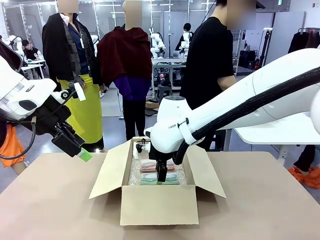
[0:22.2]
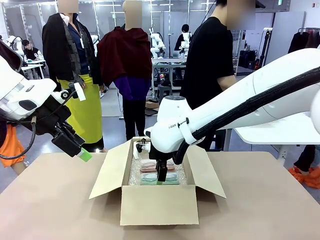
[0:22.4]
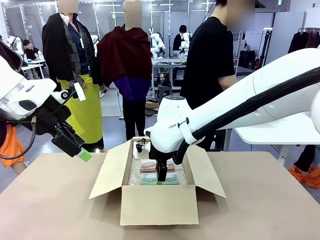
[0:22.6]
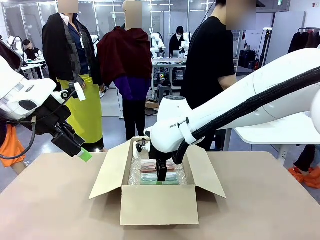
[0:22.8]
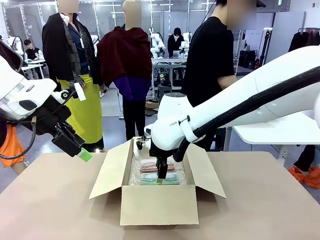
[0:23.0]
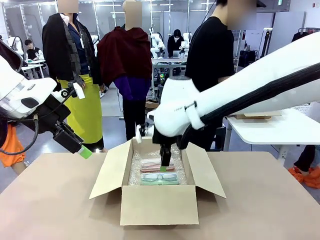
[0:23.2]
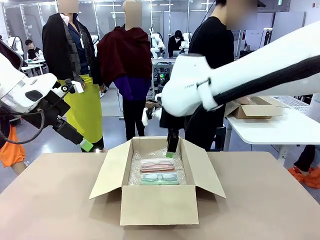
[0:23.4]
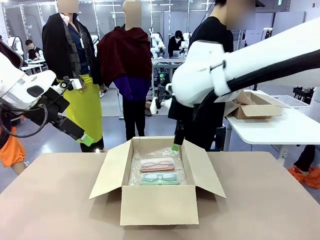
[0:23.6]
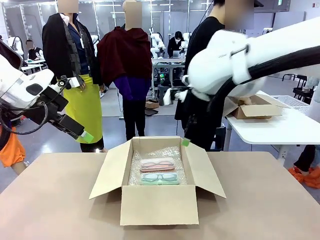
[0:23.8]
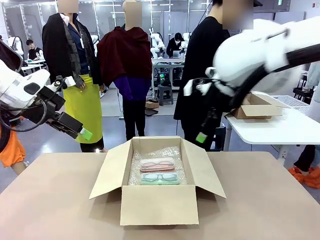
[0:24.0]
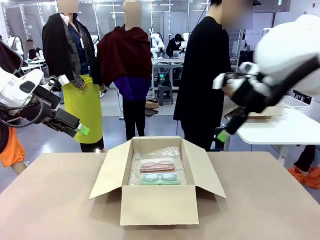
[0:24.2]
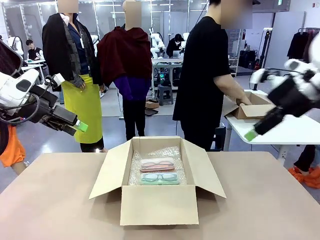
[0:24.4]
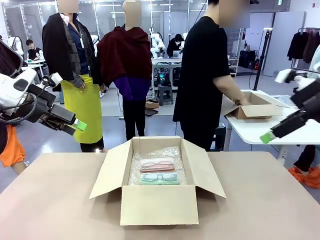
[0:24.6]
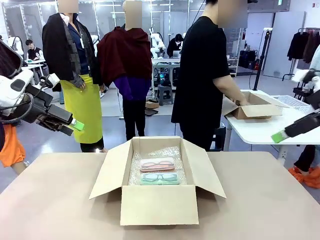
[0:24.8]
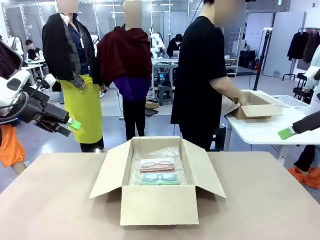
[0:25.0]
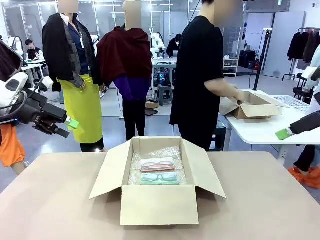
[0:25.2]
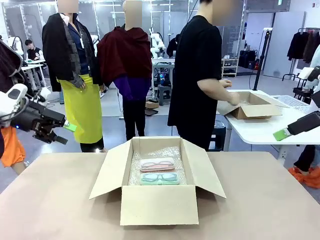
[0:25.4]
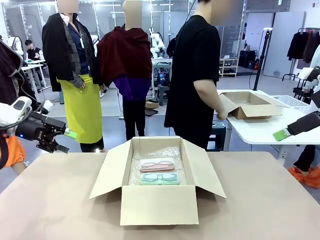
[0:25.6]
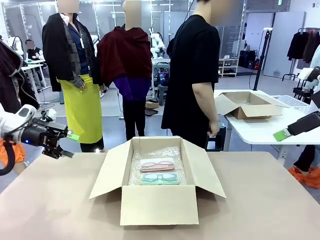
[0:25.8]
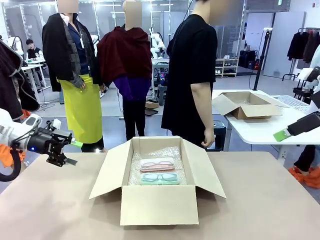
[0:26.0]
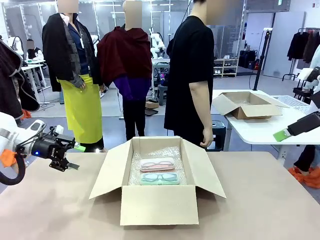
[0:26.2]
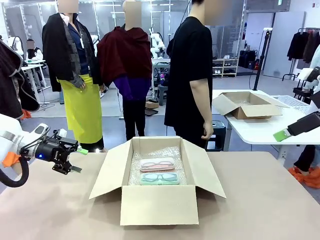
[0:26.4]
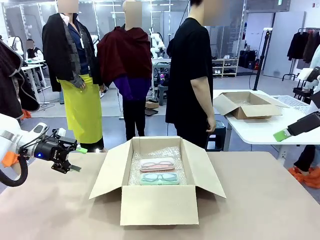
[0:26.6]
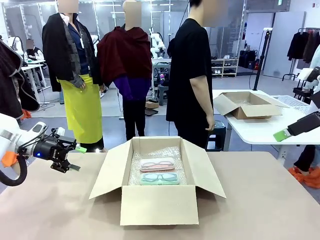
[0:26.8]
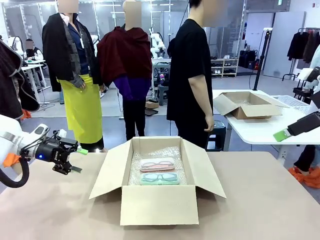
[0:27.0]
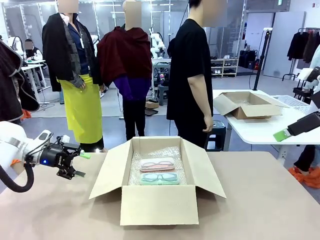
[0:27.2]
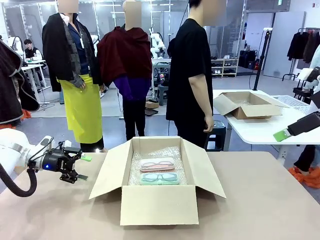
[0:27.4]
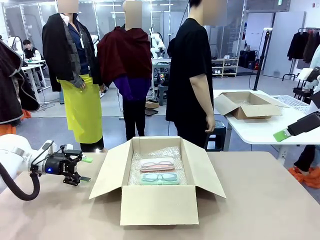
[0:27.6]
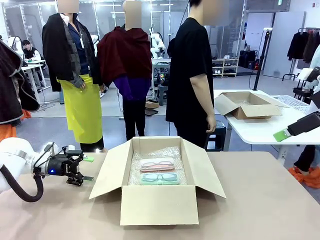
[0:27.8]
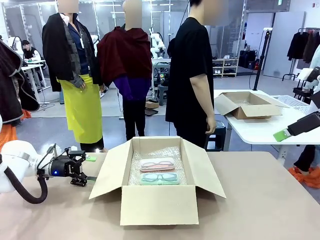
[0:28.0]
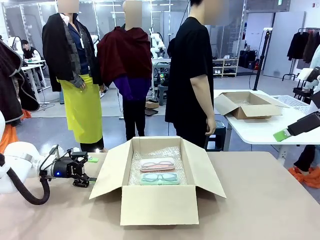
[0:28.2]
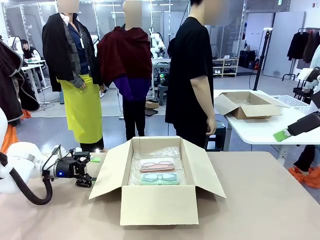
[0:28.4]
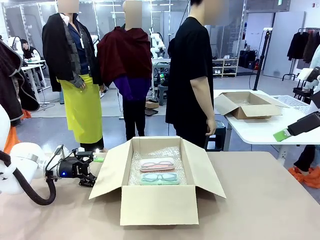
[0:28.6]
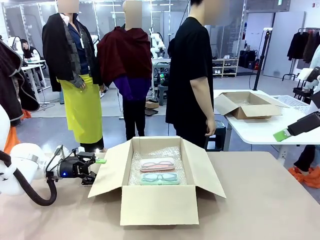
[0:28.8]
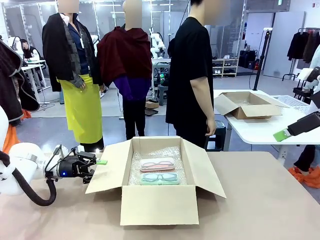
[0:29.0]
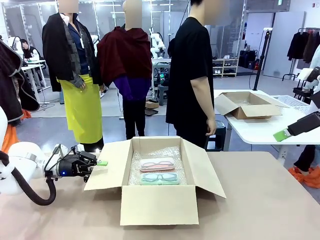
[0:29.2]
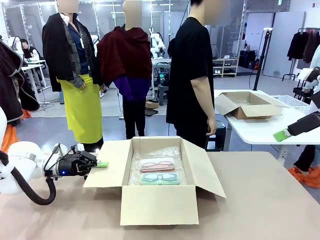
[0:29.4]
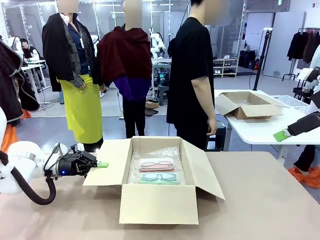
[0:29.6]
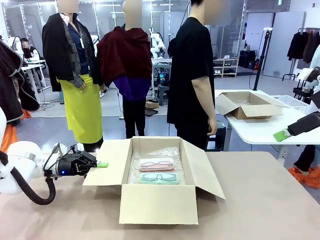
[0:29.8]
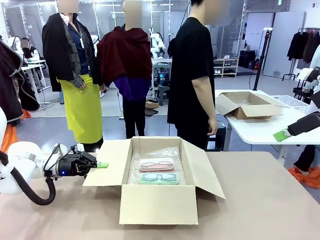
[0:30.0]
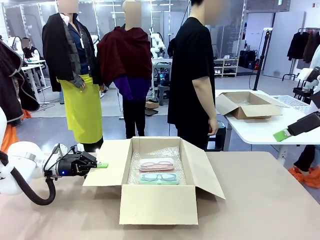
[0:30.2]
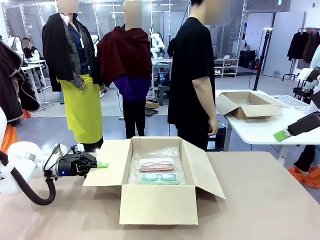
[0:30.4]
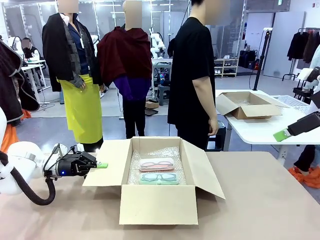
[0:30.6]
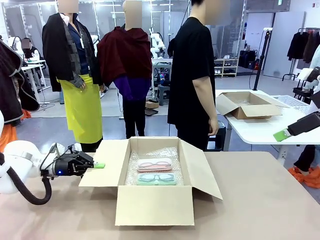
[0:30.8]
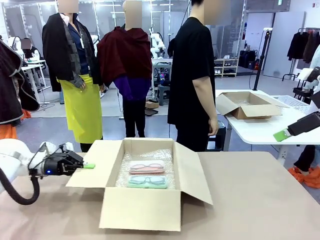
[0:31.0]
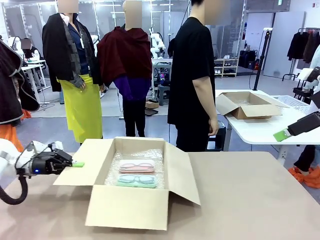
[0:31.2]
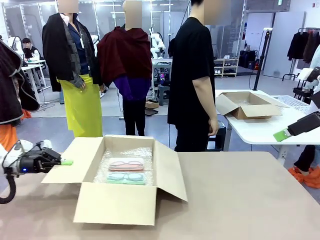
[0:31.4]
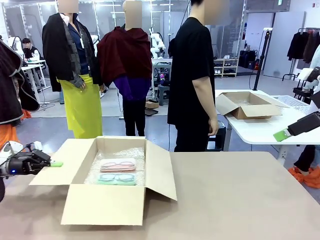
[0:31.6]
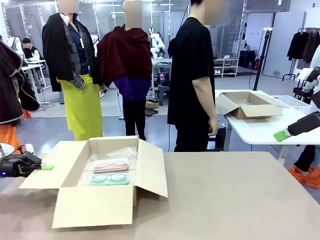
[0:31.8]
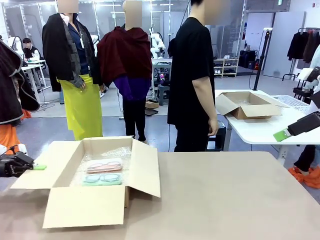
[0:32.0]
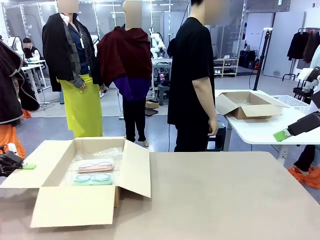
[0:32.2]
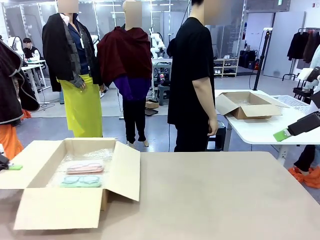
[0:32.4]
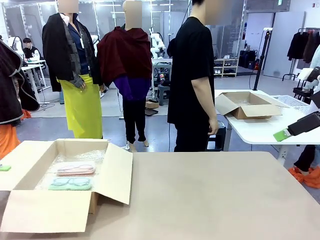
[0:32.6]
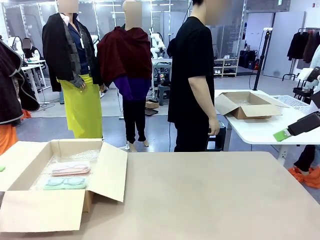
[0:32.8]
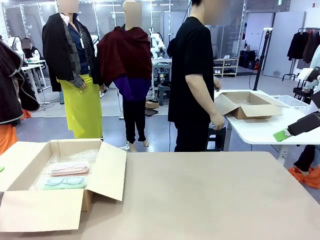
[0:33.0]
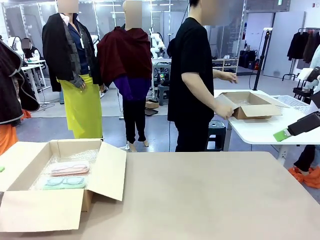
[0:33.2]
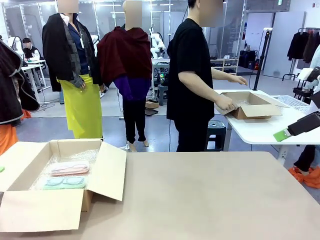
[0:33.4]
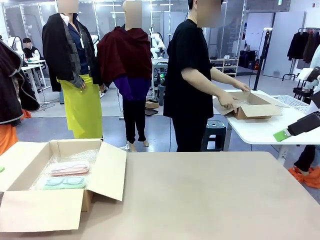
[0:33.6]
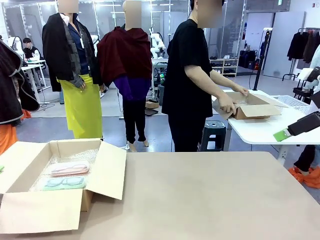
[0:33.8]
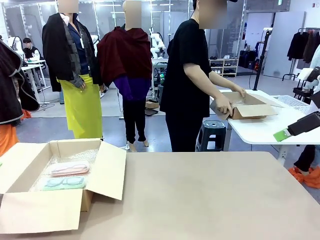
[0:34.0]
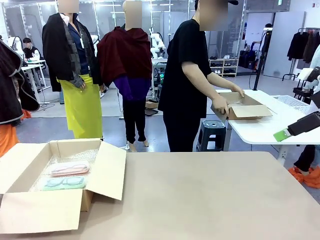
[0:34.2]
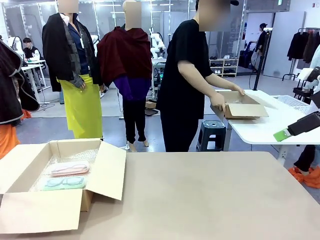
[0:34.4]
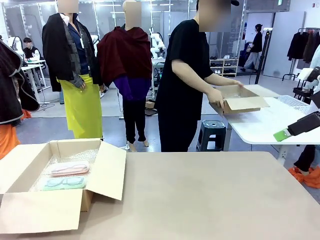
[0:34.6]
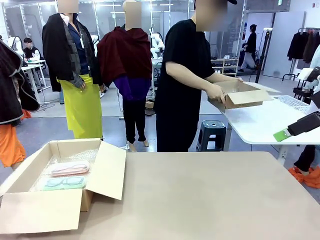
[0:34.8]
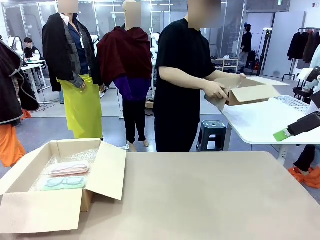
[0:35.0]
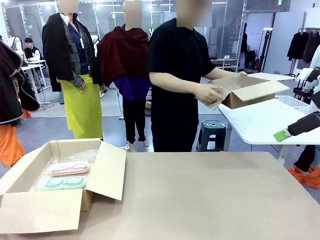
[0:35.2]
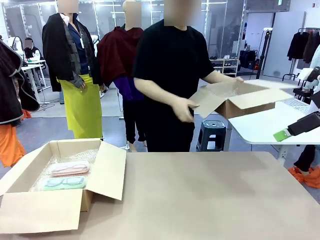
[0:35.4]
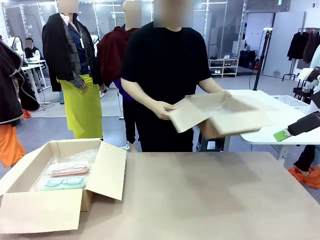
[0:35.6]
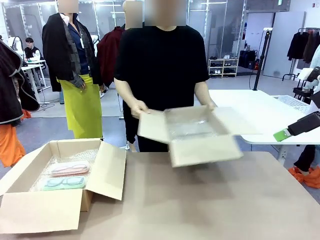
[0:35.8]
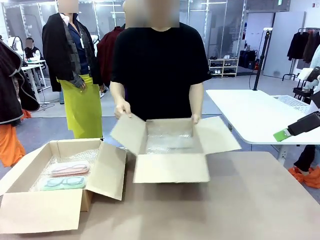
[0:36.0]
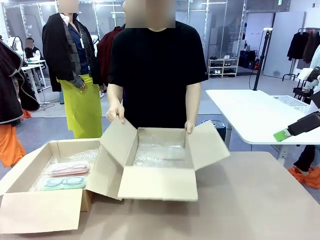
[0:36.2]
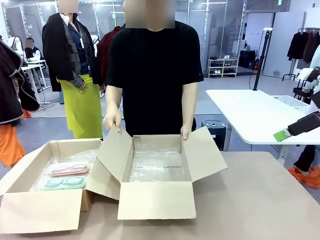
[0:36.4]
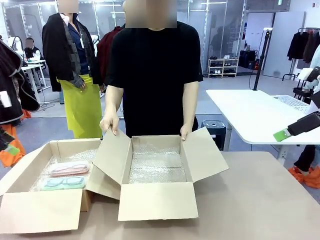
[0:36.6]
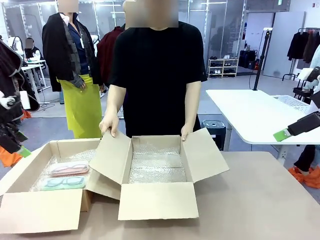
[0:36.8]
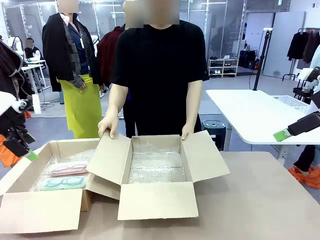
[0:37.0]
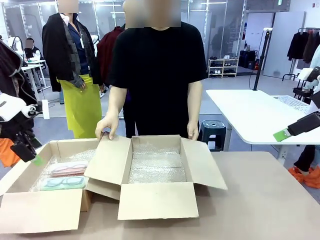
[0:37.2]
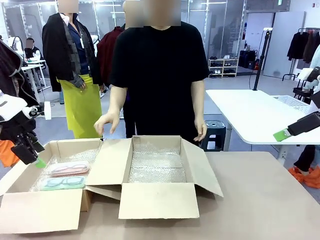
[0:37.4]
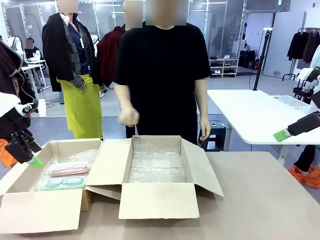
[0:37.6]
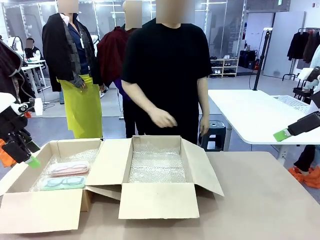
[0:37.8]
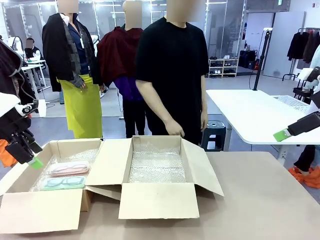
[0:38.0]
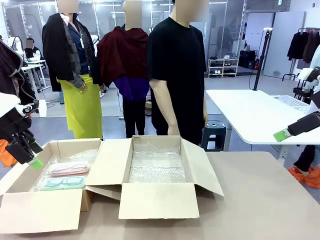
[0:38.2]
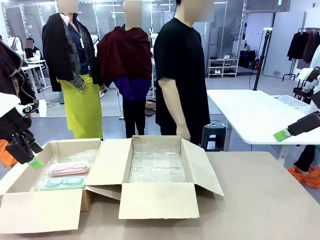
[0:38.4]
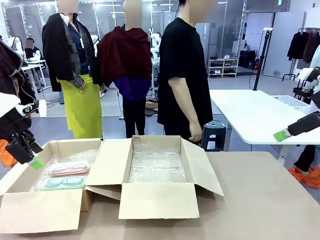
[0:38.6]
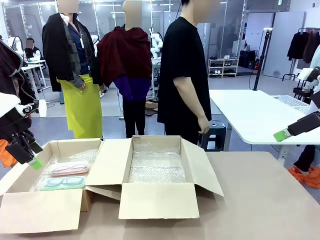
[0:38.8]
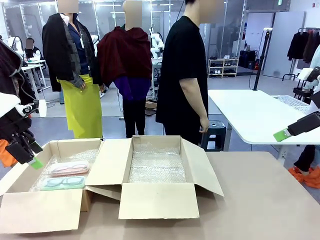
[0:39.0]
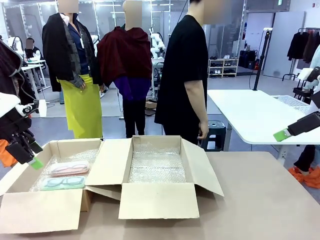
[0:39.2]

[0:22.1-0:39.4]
Task: Pack the glasses set securely to prepare it for shipping.
Robot: Position the Package Box on the left side of the table.
Person: Position the empty Package Box in the middle of the robot's table.
